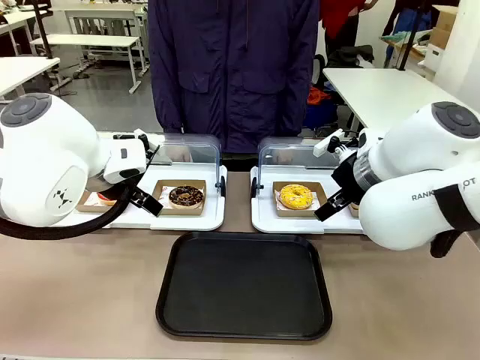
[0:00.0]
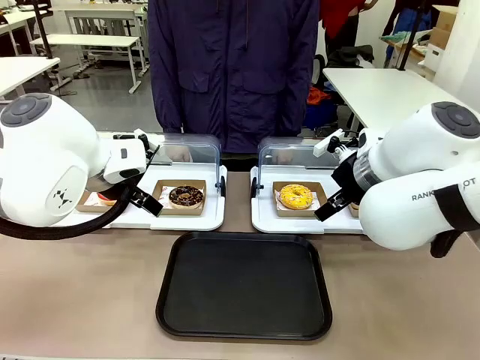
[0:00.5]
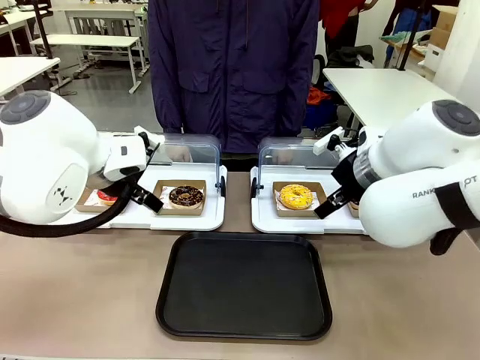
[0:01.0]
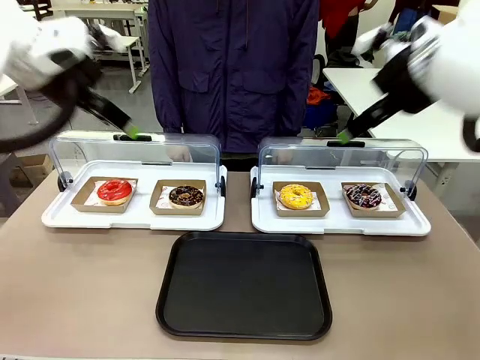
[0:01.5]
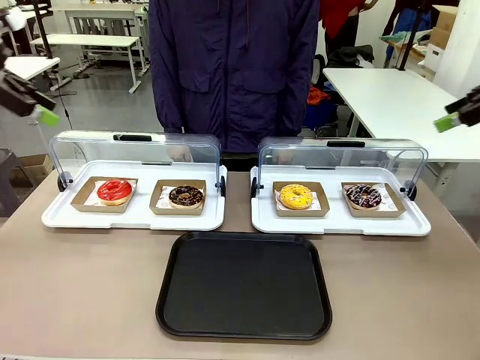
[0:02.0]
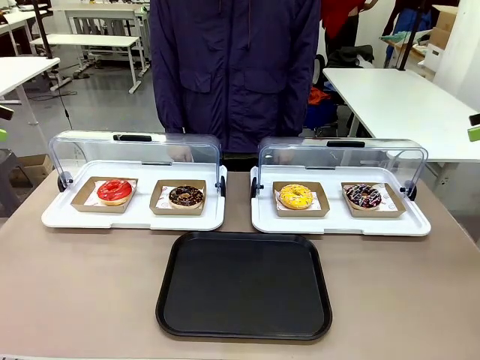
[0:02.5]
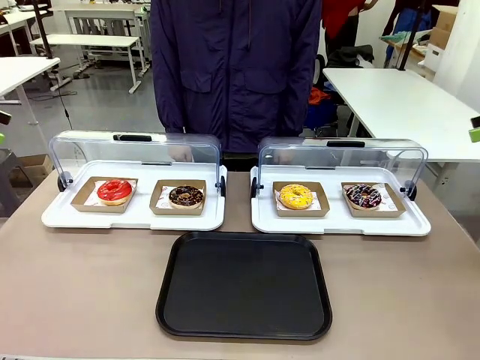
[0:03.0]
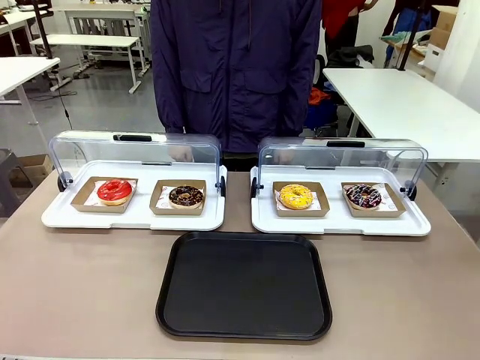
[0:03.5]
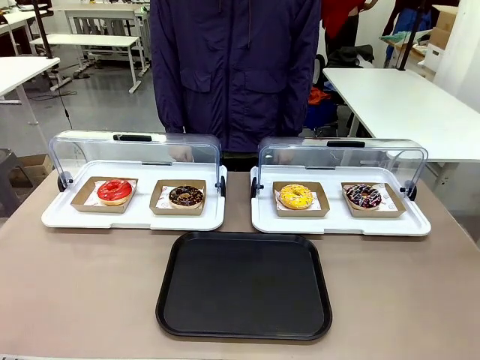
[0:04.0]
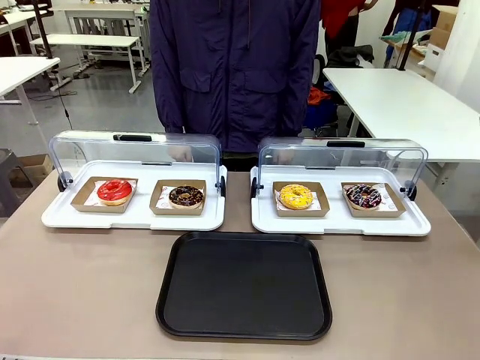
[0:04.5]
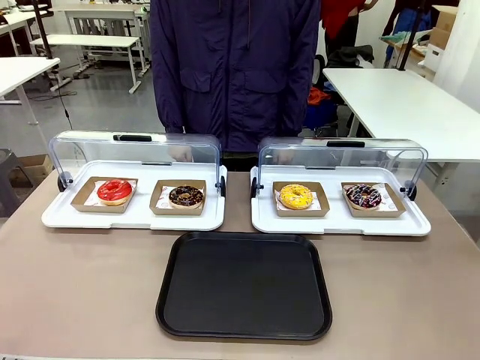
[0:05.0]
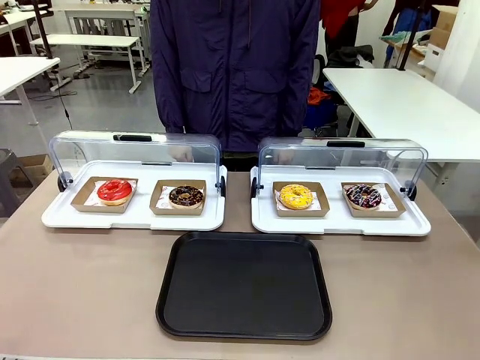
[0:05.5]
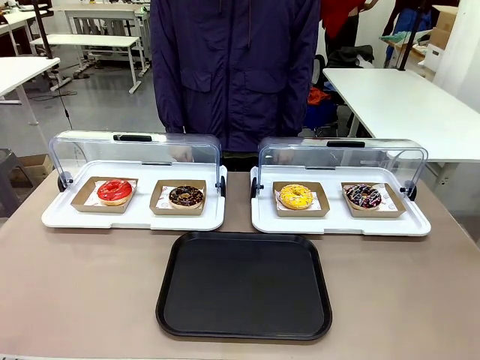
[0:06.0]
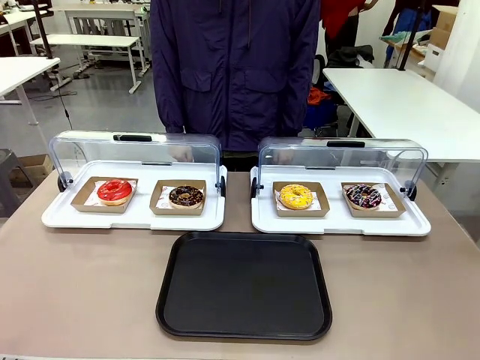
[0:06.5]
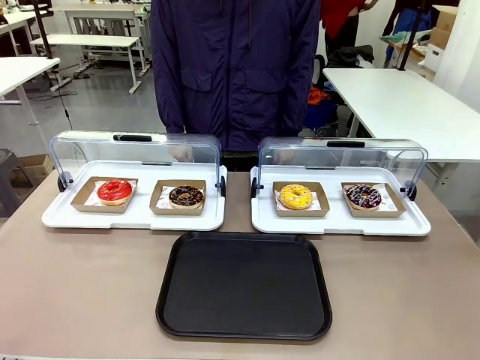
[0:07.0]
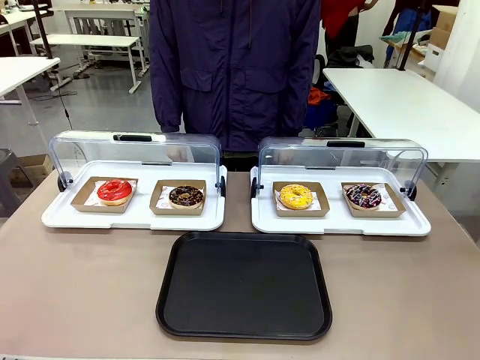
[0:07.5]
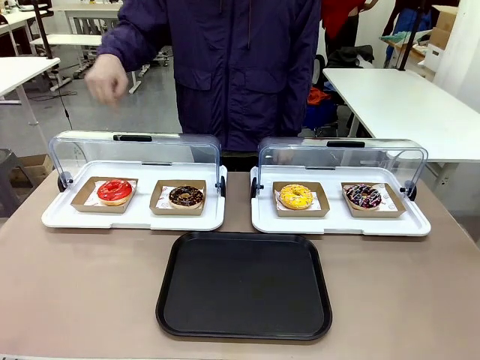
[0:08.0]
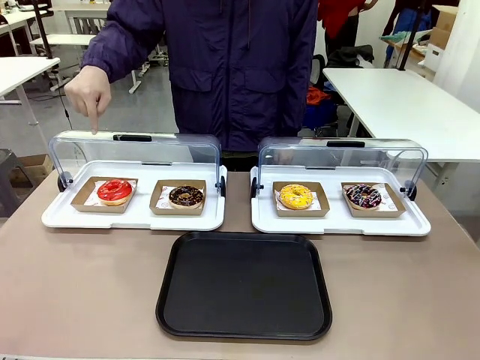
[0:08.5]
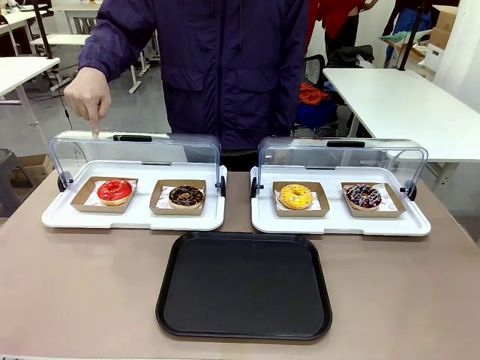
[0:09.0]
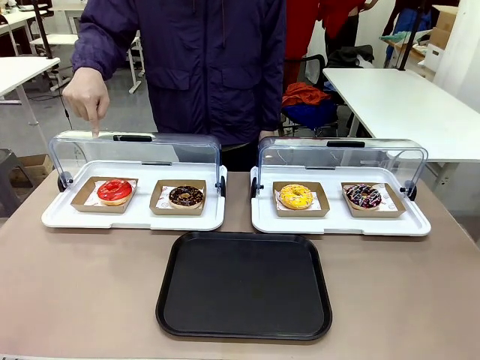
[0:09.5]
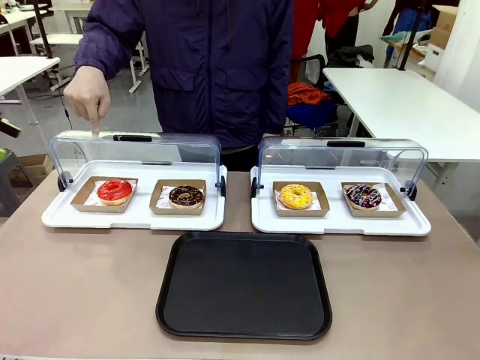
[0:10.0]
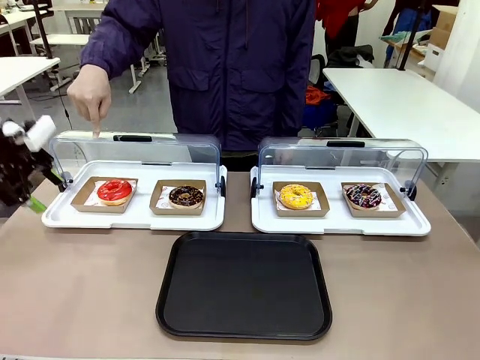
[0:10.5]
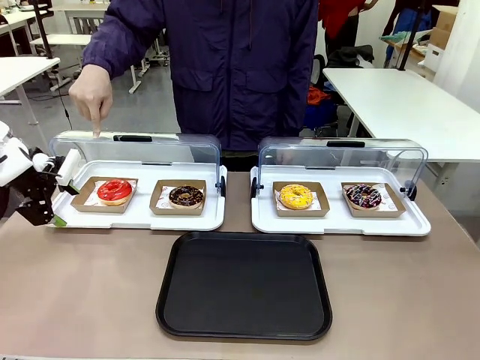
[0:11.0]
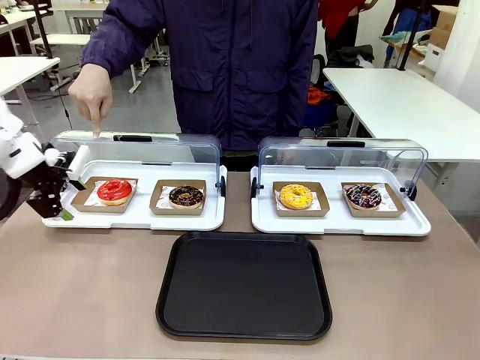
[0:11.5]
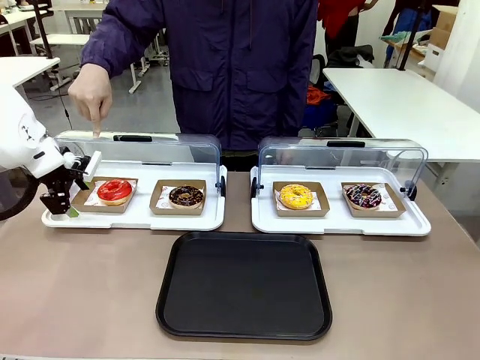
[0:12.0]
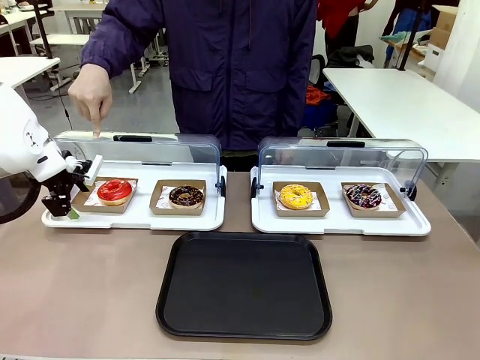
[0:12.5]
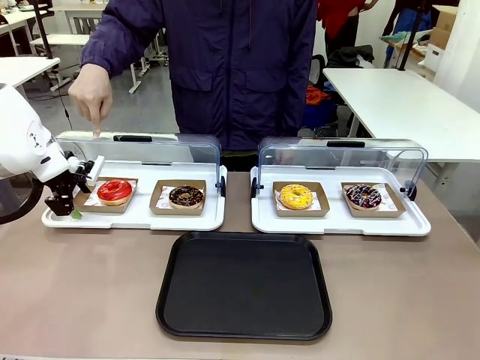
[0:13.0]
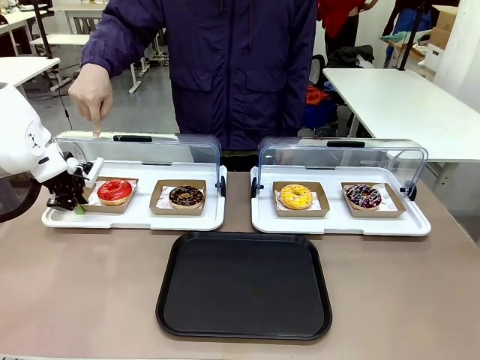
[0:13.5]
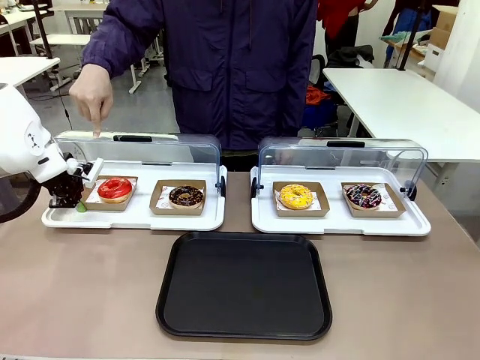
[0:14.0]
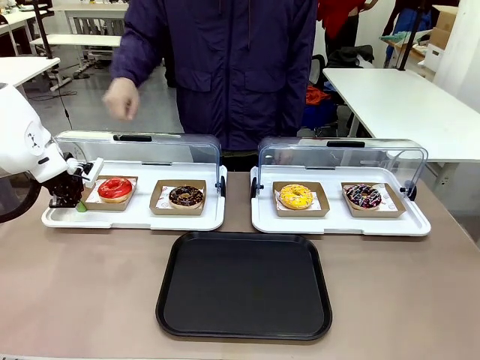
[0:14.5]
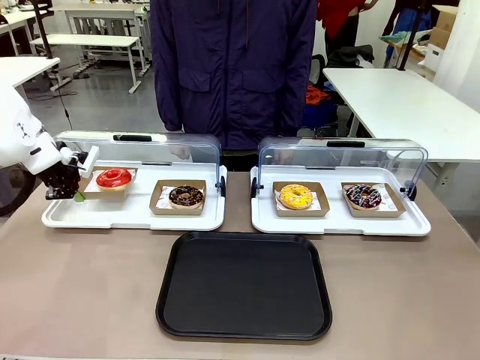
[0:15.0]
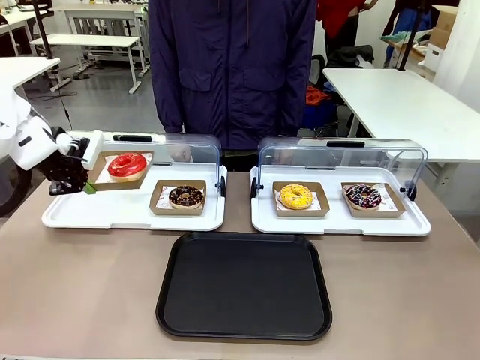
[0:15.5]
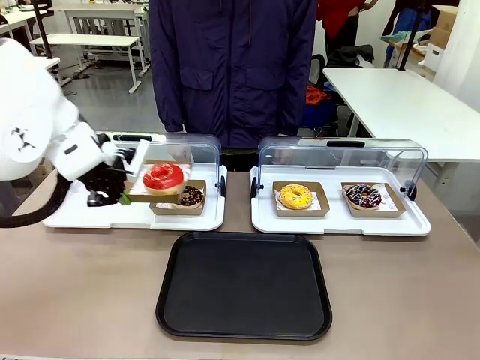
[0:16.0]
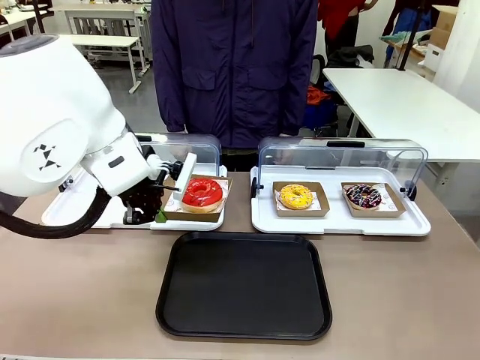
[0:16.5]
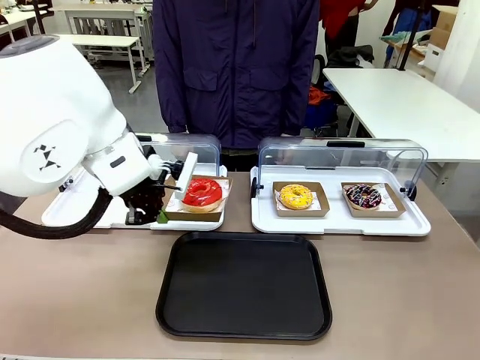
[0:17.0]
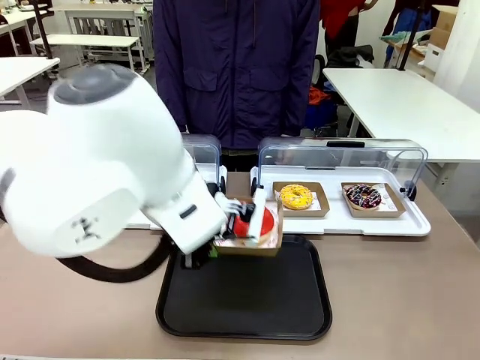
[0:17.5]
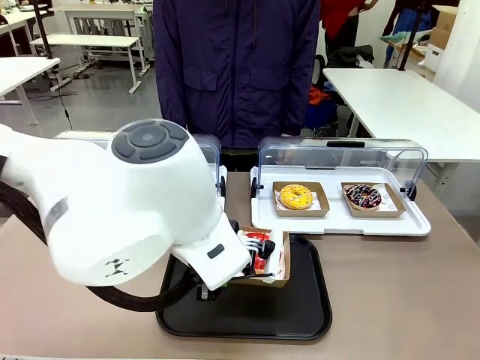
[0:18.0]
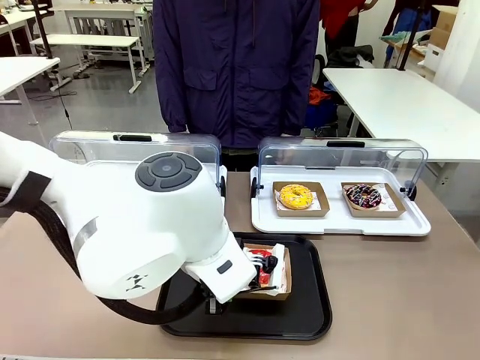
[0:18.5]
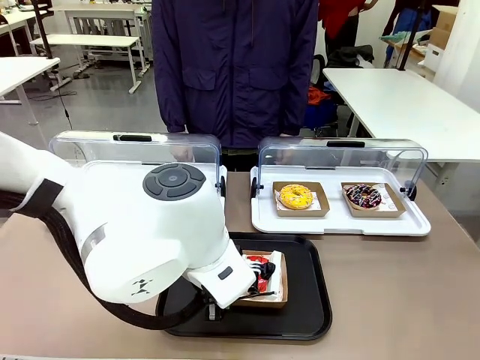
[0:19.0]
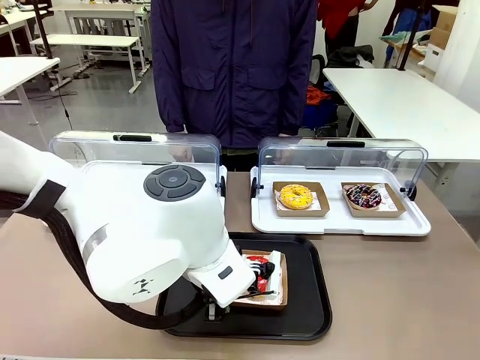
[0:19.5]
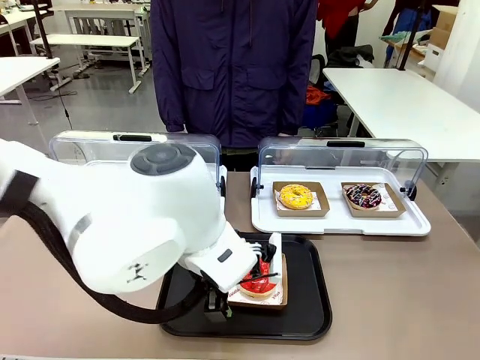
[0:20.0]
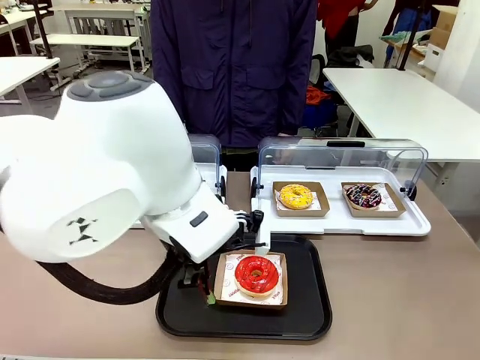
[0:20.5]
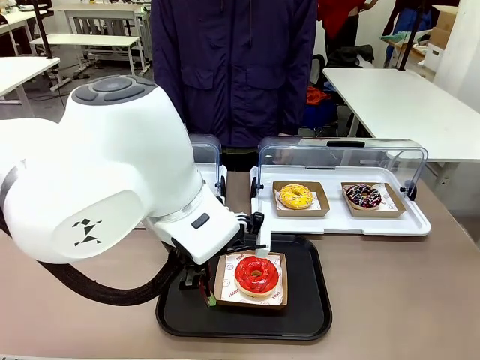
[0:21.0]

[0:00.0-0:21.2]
Task: Move the first donut from the left to the tray.
Robot: Pick up the Paper togo box containing the Donut indicated by the person and place it on the Handle tray.
Person: Points to the first donut from the left from the robot’s perspective.
